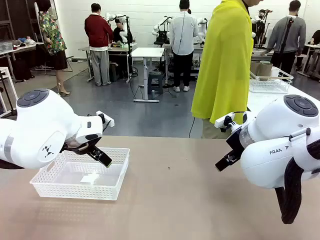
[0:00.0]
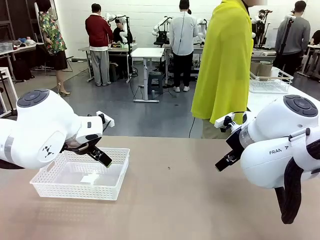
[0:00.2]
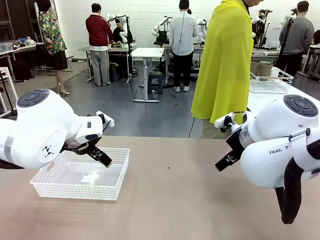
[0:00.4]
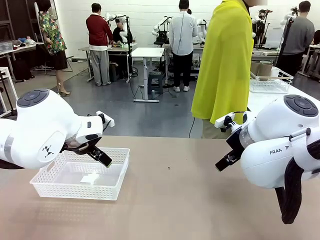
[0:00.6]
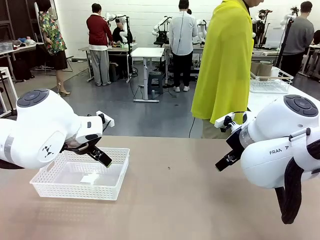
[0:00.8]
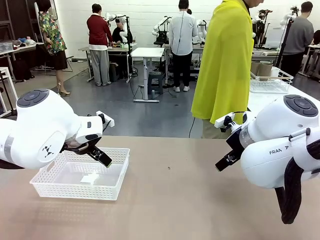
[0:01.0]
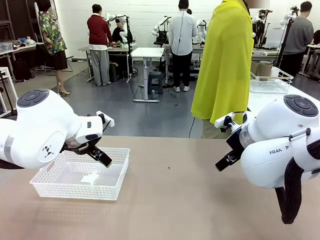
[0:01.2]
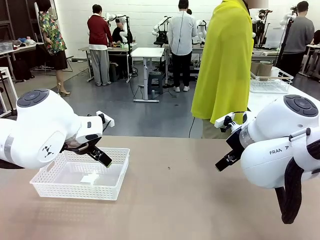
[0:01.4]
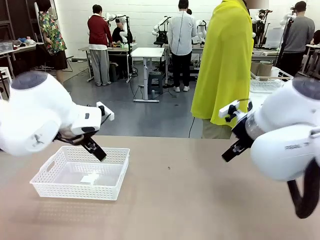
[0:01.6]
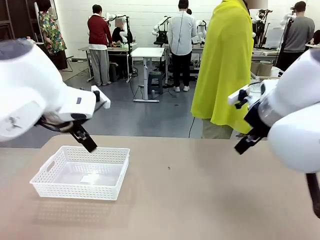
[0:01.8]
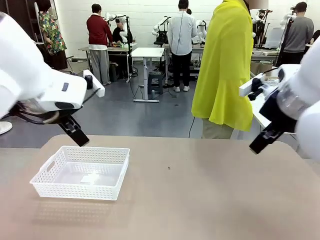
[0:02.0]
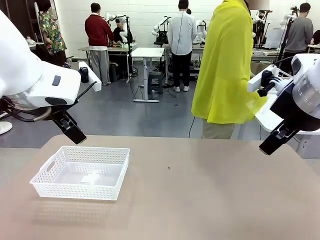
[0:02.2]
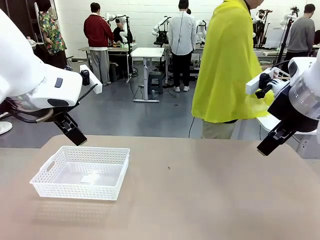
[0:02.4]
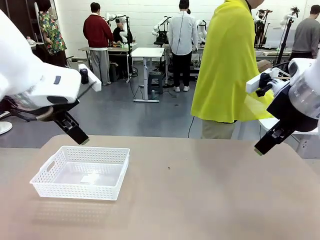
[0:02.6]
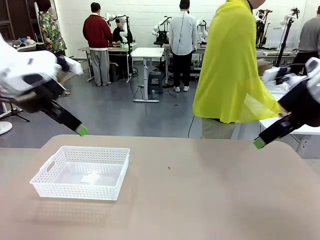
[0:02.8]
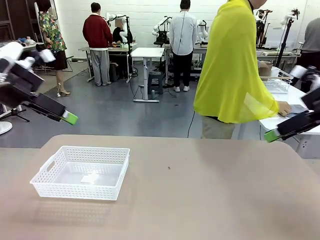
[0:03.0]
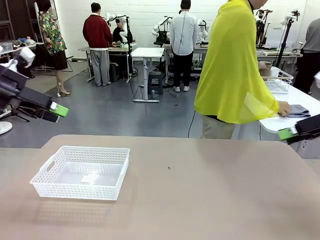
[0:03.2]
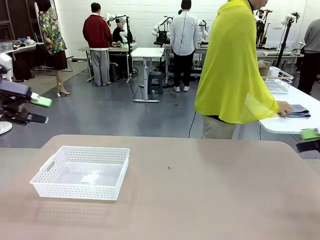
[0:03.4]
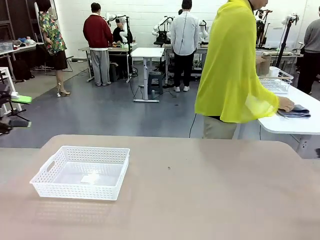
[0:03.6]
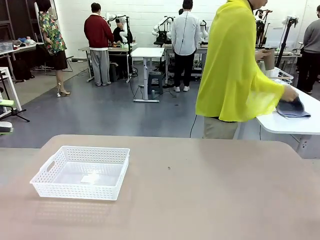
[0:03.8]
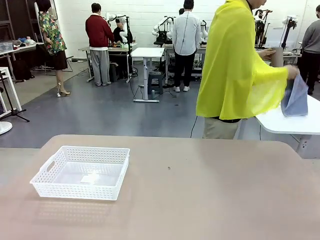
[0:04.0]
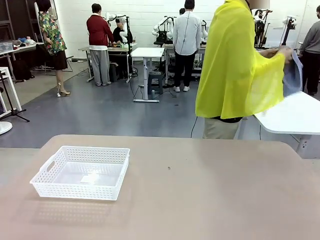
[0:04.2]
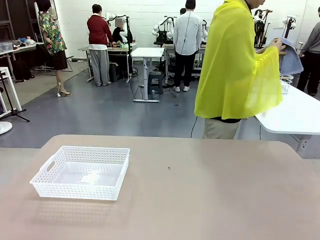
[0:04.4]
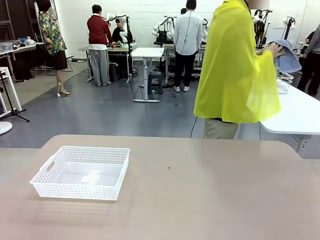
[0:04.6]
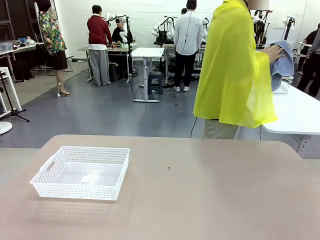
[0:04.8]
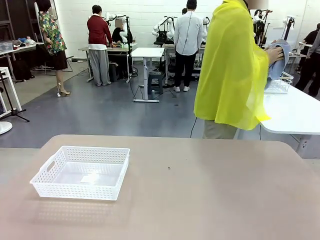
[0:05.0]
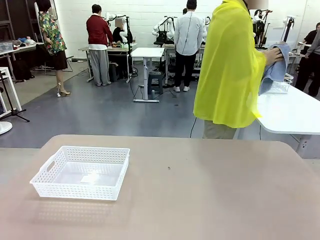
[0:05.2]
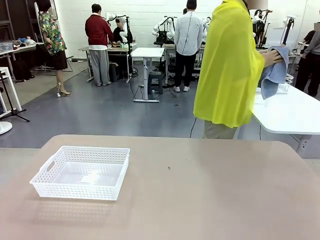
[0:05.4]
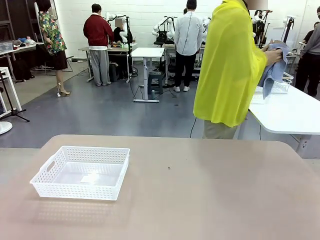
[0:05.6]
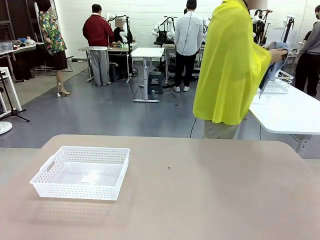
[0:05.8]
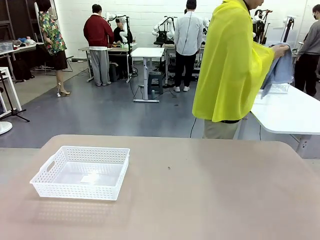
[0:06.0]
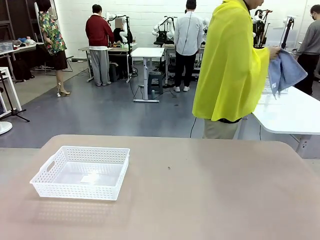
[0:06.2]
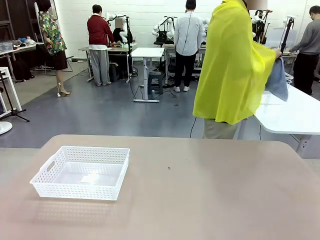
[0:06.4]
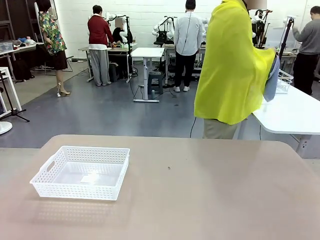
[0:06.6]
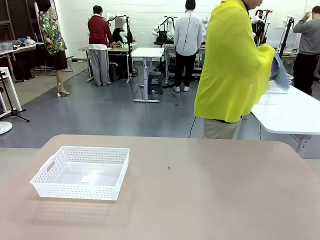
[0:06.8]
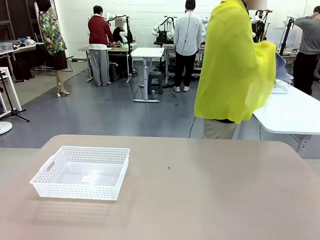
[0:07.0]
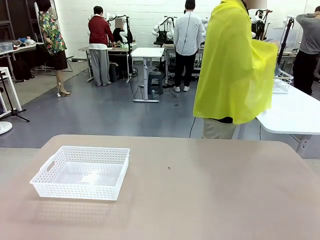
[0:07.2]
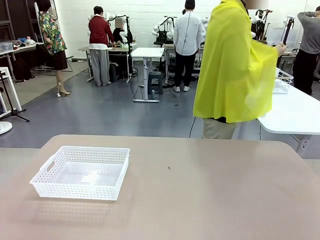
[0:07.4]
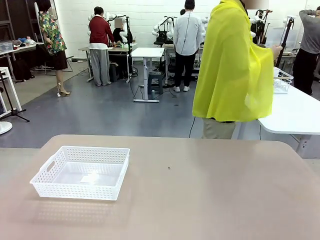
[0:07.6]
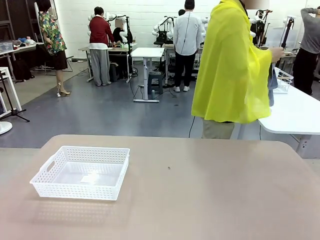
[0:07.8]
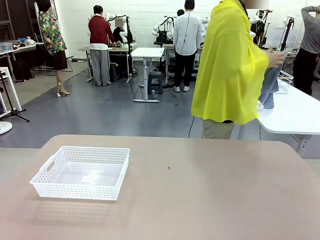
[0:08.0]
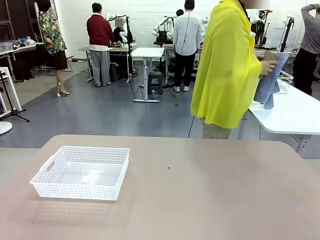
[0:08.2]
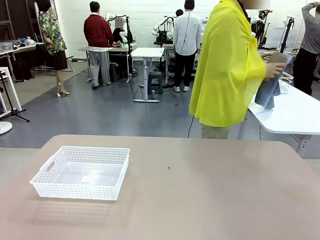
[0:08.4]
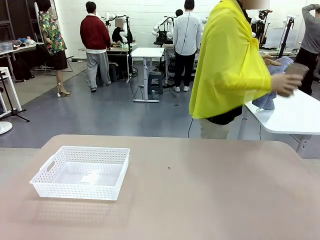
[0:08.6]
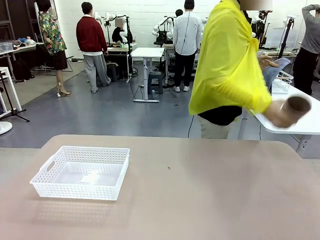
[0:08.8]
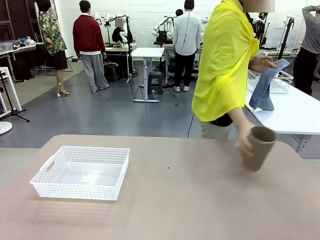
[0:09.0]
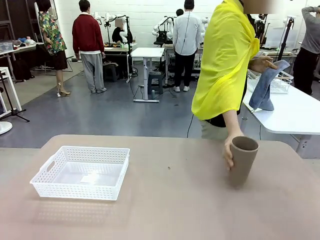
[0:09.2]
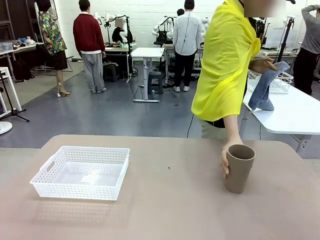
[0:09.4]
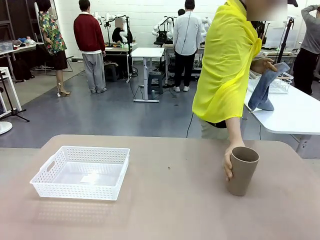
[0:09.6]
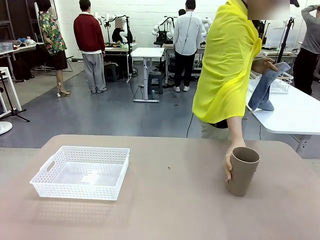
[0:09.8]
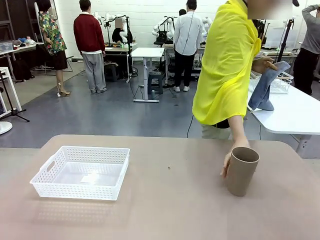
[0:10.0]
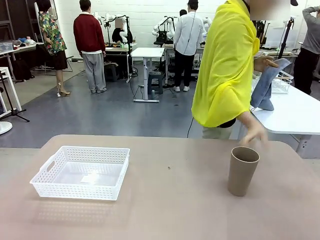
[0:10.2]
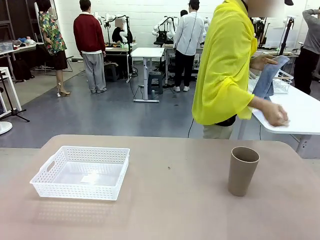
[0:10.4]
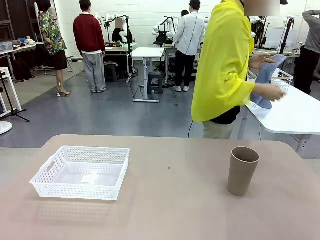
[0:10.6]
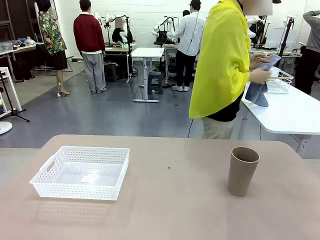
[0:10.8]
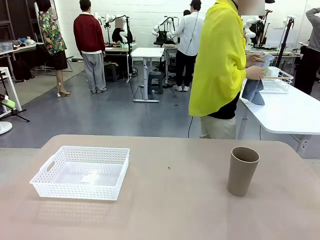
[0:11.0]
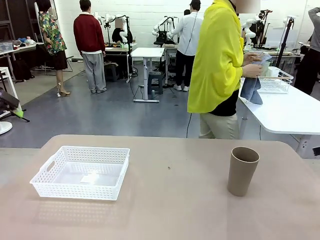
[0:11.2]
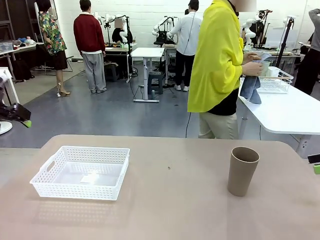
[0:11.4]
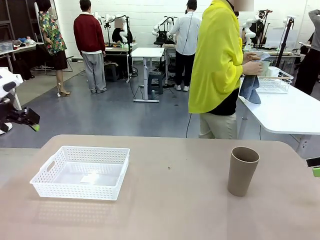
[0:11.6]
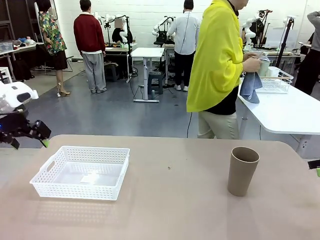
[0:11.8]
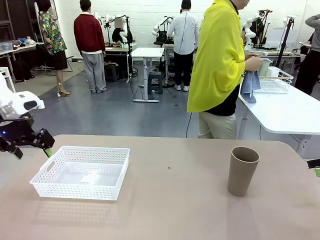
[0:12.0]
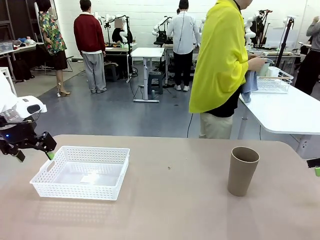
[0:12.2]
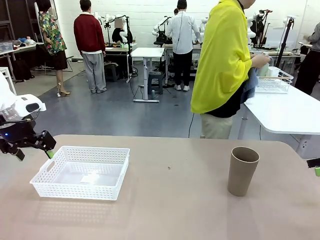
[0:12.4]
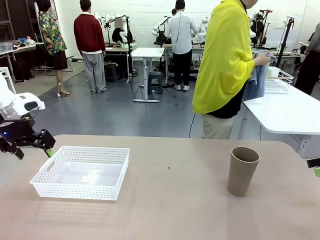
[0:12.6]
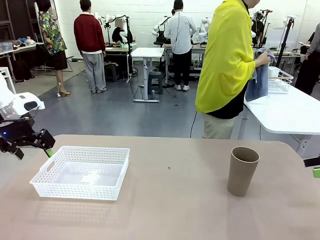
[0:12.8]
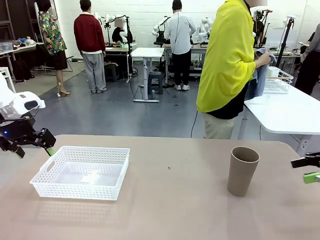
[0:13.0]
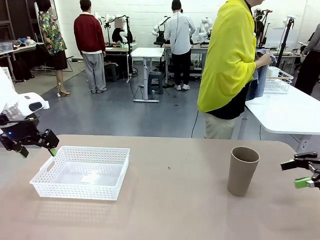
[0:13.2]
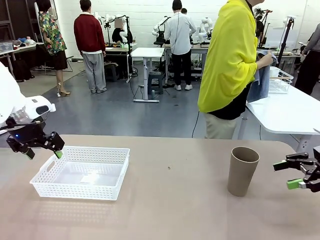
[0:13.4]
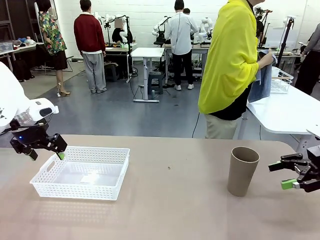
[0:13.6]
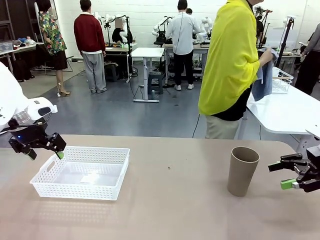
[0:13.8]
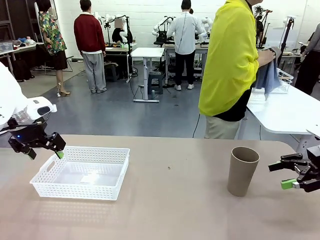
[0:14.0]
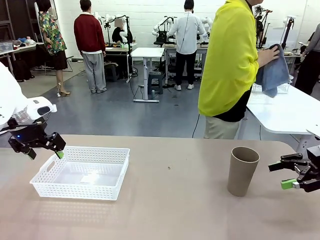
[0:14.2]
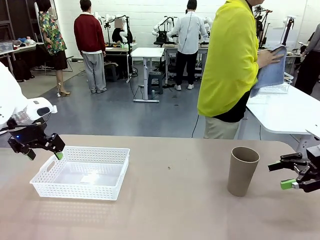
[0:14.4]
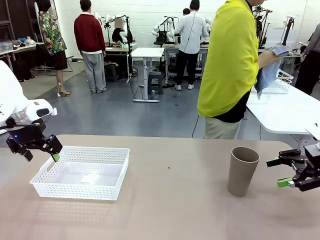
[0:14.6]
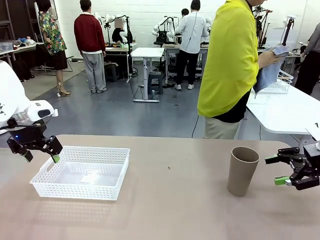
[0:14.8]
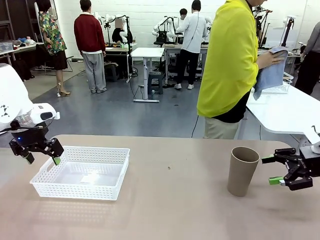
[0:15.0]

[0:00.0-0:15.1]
Task: Clean and organize the cups into the basket.
Robot: Pick up the Organizing basket and move it to the center of the table, then pick up the Reusable plastic cup from the right side of the table and place it inside the Organizing basket.
Person: Picks up a cup and a towel, cleans the cup with the towel, and places it on the left side of the robot table.
